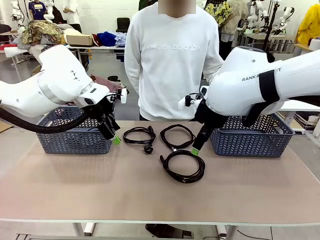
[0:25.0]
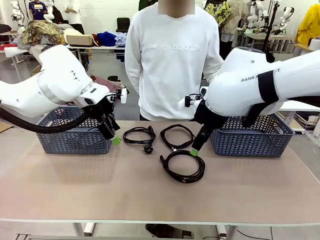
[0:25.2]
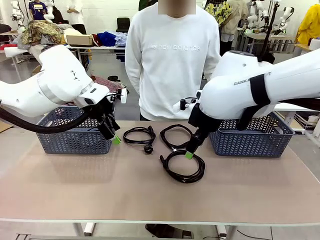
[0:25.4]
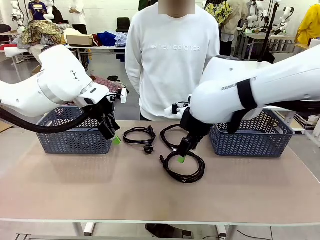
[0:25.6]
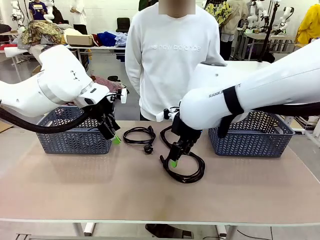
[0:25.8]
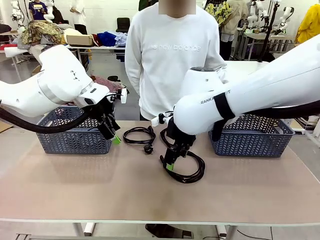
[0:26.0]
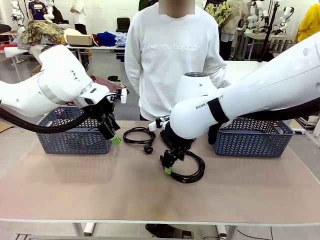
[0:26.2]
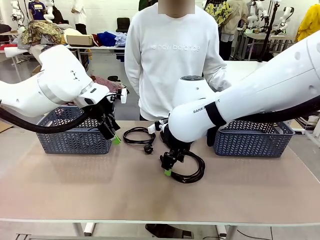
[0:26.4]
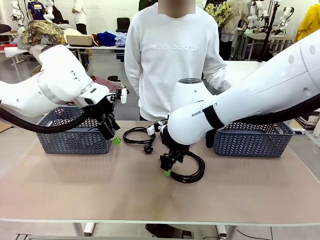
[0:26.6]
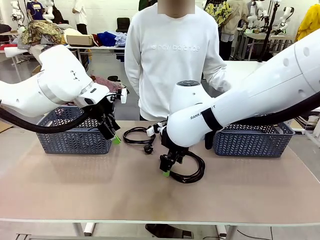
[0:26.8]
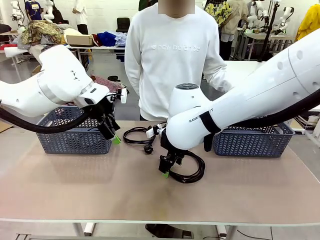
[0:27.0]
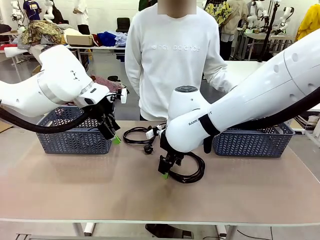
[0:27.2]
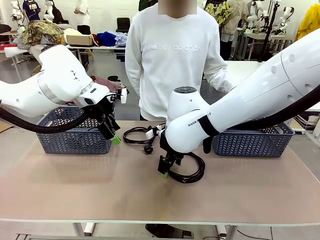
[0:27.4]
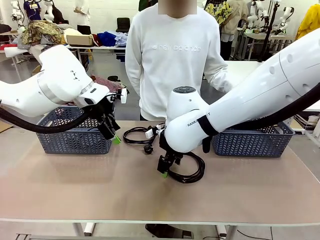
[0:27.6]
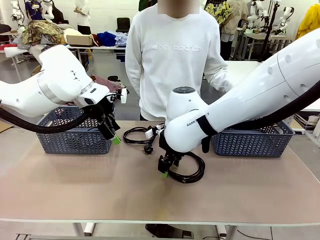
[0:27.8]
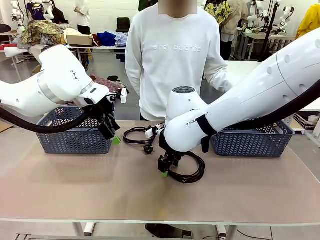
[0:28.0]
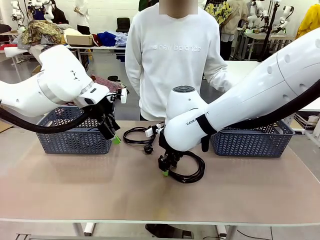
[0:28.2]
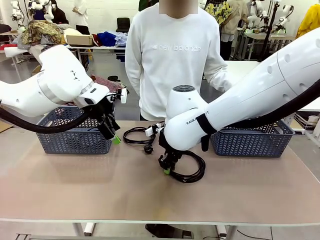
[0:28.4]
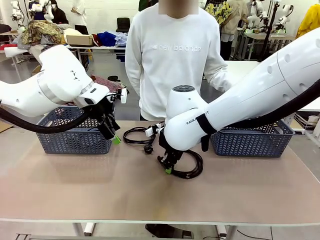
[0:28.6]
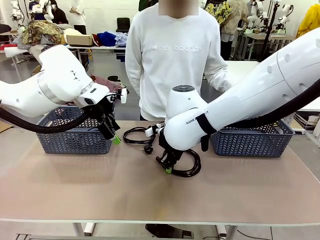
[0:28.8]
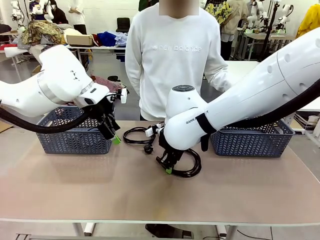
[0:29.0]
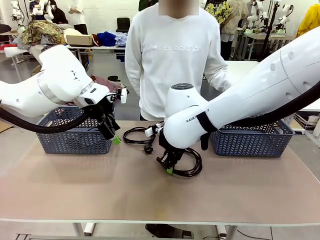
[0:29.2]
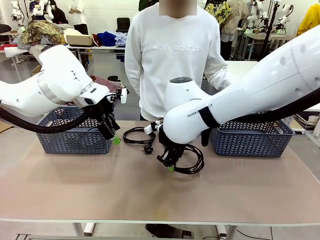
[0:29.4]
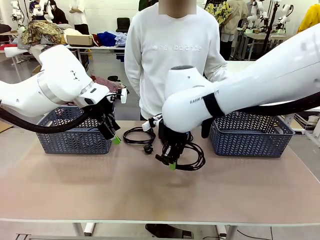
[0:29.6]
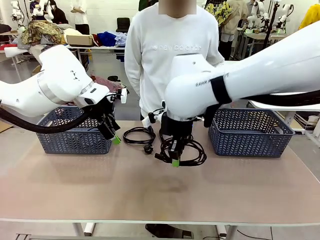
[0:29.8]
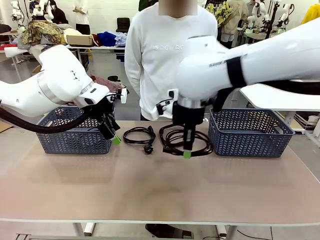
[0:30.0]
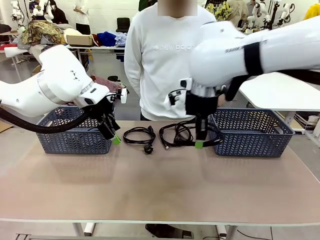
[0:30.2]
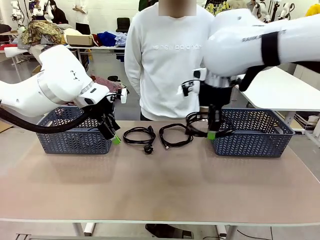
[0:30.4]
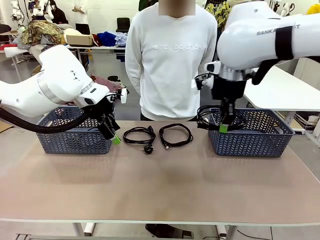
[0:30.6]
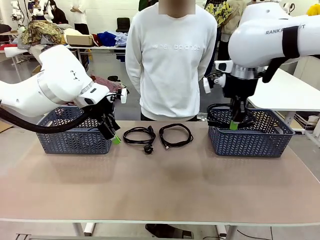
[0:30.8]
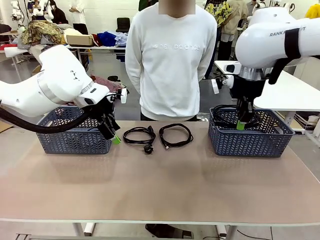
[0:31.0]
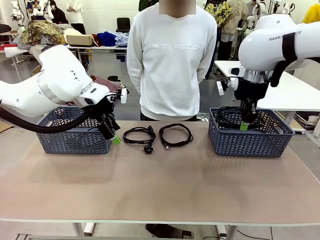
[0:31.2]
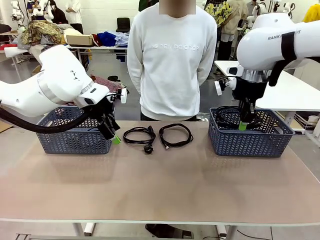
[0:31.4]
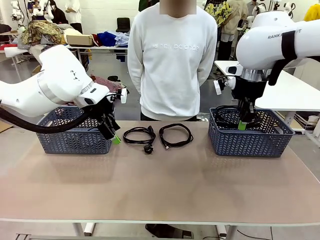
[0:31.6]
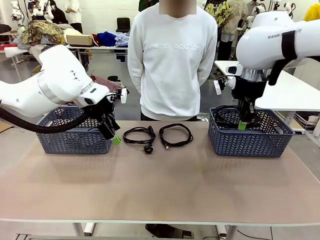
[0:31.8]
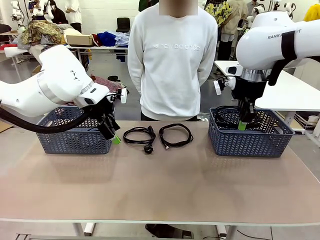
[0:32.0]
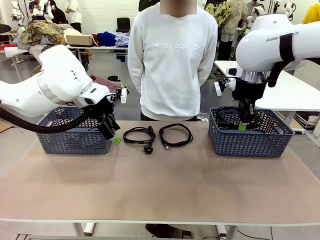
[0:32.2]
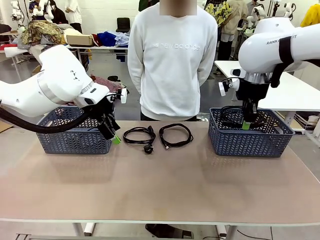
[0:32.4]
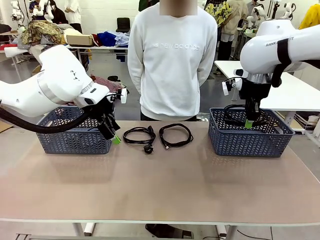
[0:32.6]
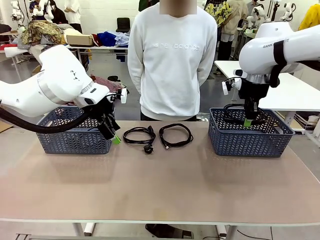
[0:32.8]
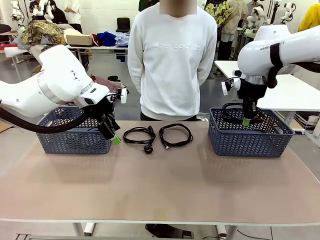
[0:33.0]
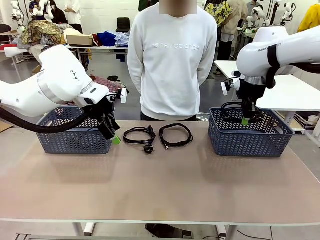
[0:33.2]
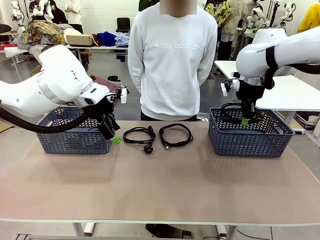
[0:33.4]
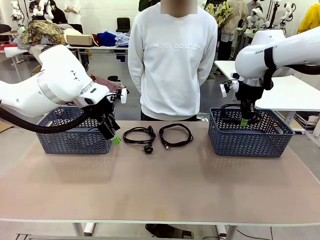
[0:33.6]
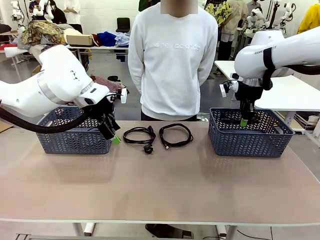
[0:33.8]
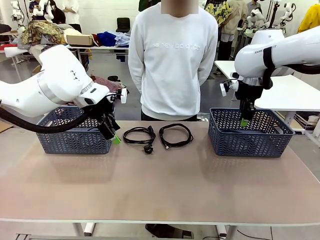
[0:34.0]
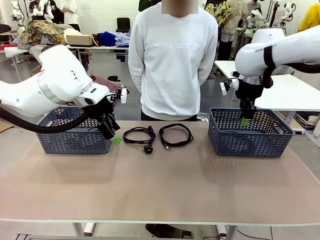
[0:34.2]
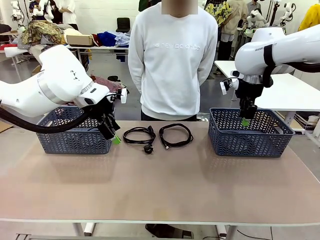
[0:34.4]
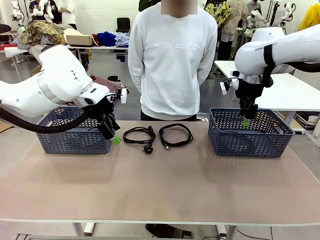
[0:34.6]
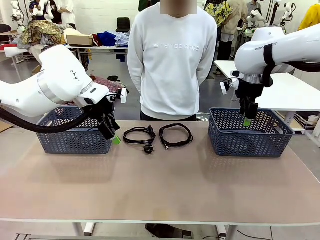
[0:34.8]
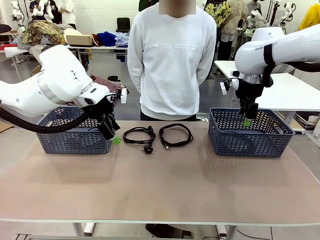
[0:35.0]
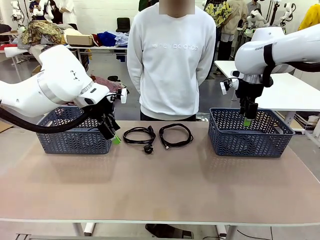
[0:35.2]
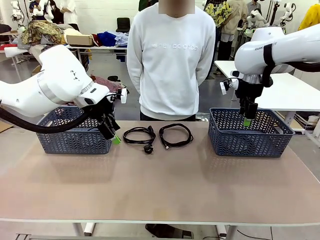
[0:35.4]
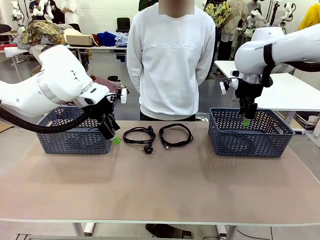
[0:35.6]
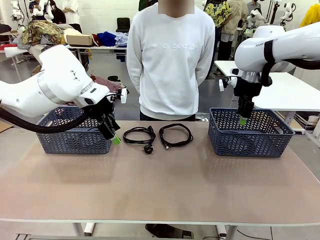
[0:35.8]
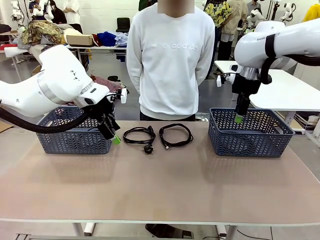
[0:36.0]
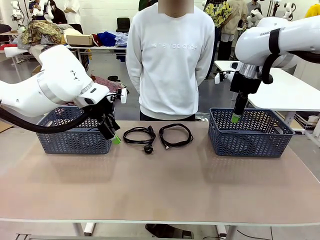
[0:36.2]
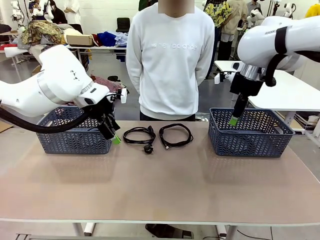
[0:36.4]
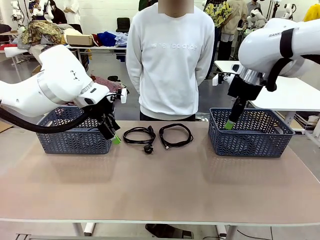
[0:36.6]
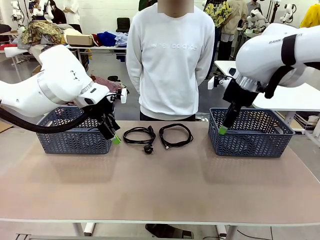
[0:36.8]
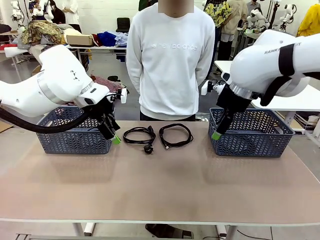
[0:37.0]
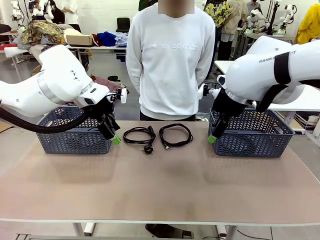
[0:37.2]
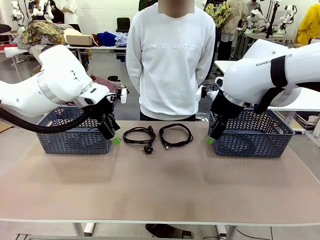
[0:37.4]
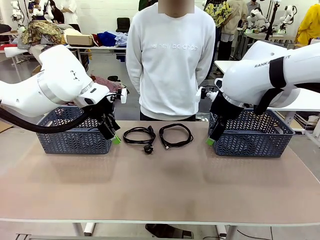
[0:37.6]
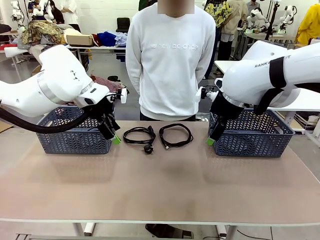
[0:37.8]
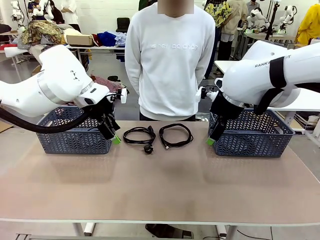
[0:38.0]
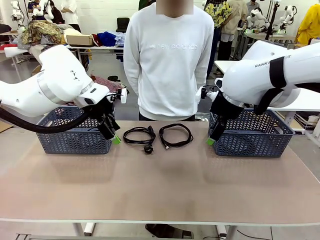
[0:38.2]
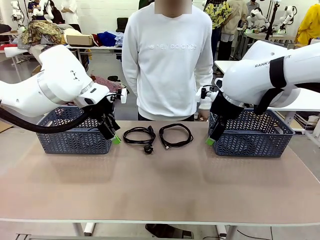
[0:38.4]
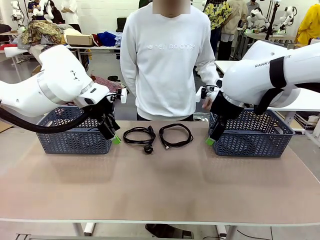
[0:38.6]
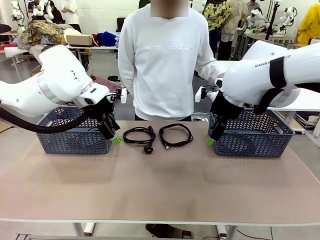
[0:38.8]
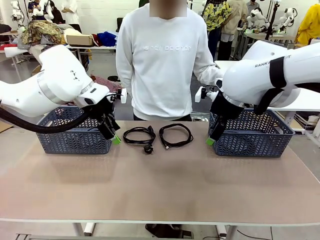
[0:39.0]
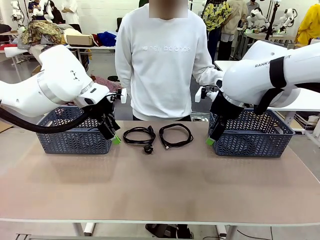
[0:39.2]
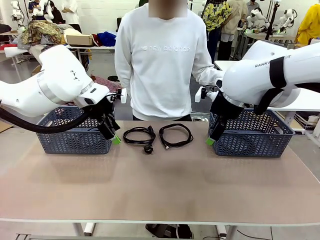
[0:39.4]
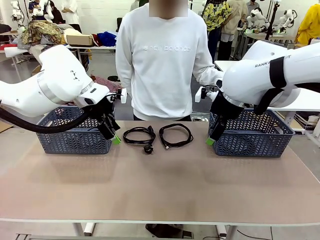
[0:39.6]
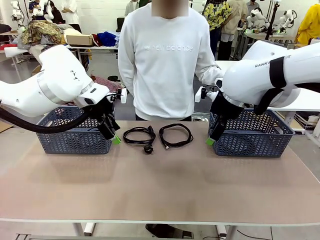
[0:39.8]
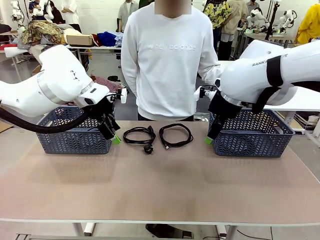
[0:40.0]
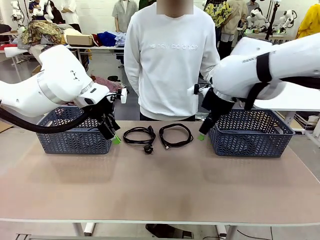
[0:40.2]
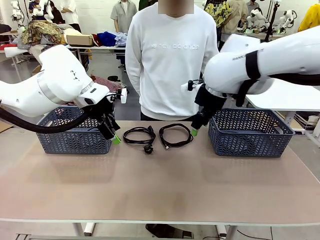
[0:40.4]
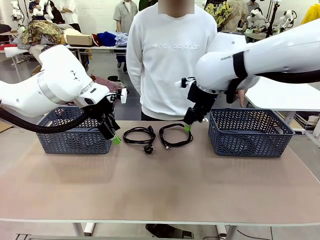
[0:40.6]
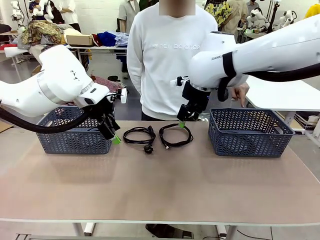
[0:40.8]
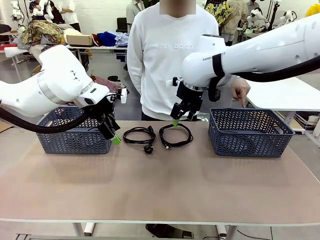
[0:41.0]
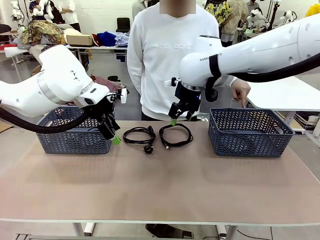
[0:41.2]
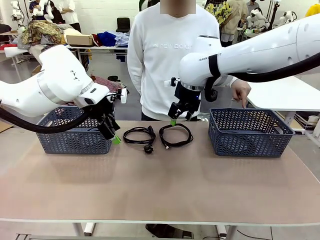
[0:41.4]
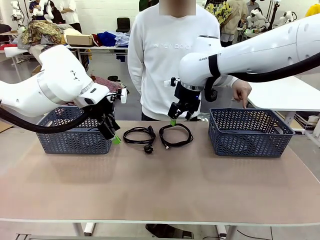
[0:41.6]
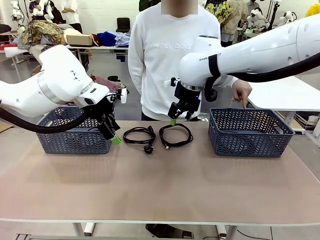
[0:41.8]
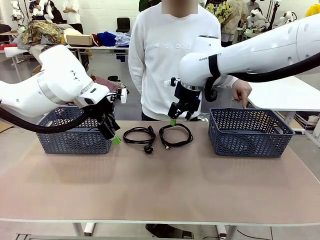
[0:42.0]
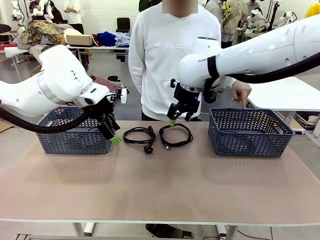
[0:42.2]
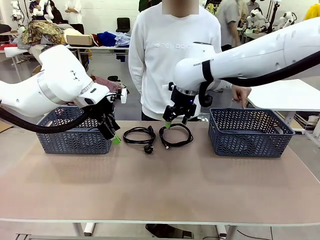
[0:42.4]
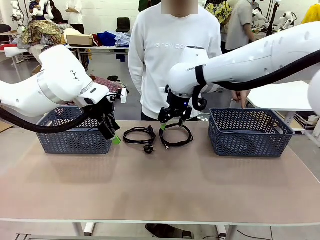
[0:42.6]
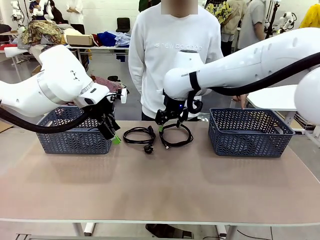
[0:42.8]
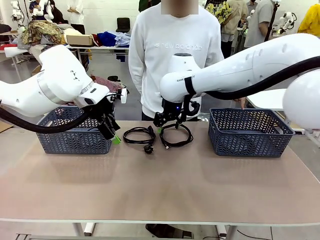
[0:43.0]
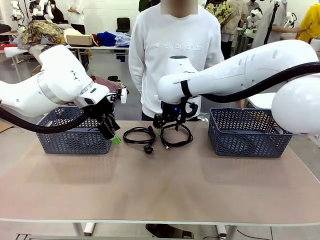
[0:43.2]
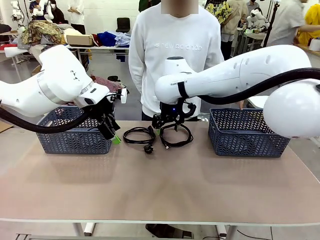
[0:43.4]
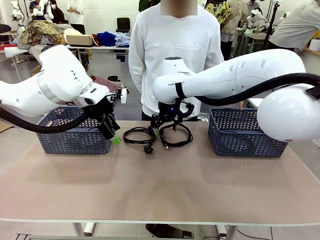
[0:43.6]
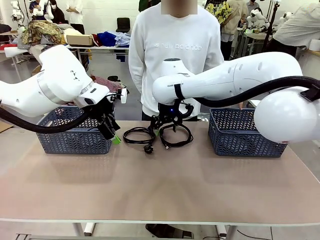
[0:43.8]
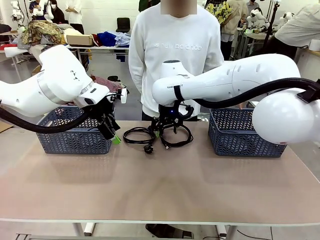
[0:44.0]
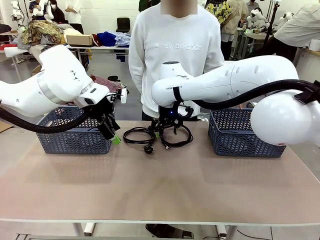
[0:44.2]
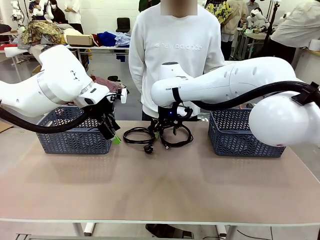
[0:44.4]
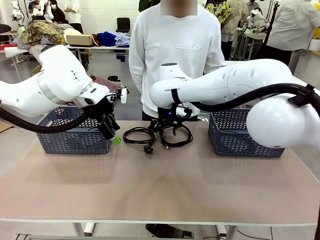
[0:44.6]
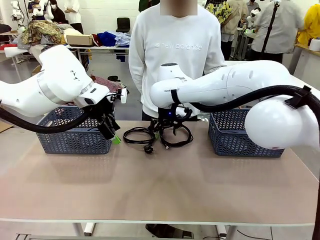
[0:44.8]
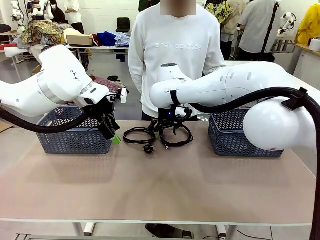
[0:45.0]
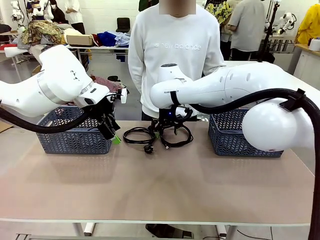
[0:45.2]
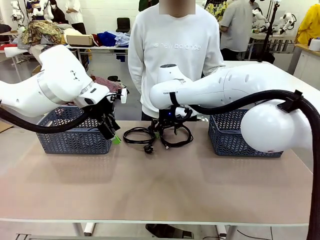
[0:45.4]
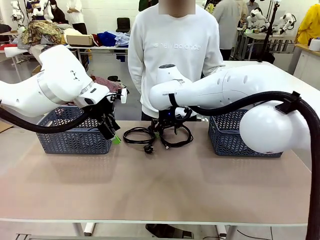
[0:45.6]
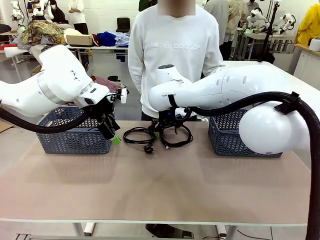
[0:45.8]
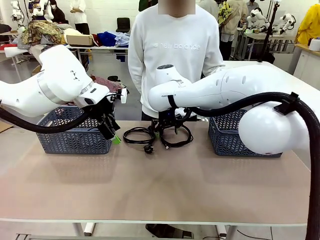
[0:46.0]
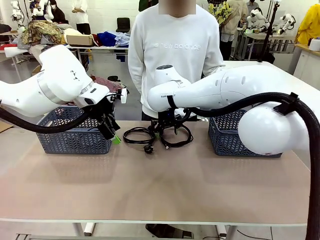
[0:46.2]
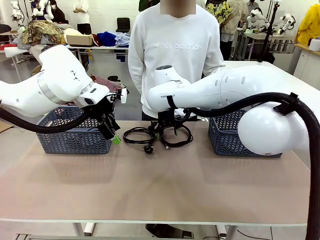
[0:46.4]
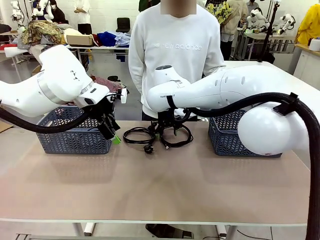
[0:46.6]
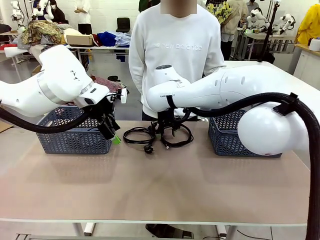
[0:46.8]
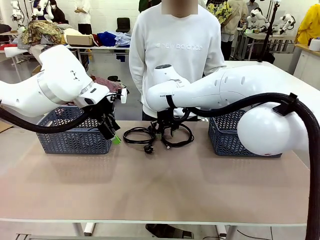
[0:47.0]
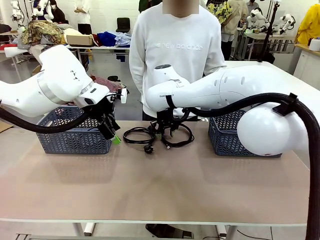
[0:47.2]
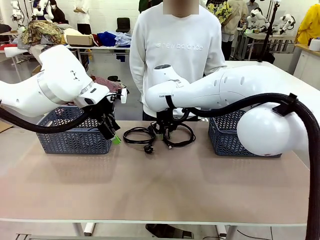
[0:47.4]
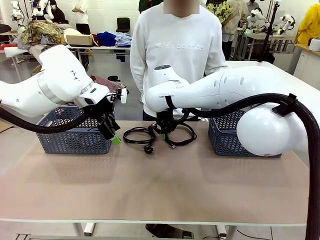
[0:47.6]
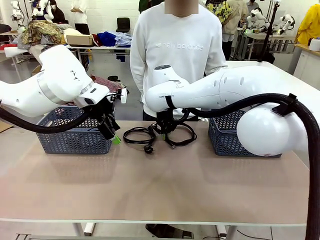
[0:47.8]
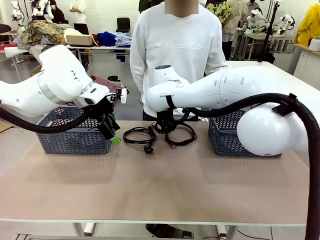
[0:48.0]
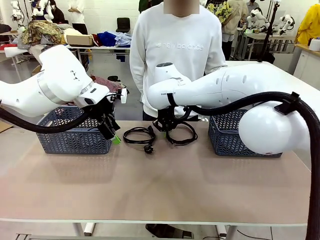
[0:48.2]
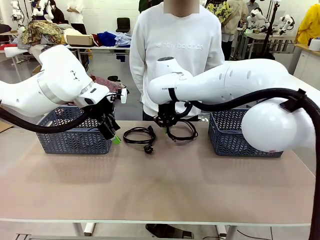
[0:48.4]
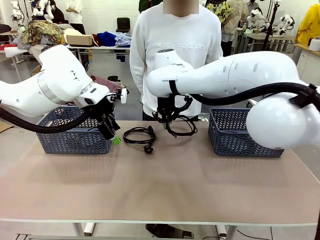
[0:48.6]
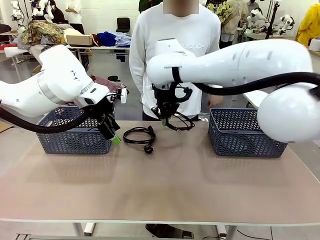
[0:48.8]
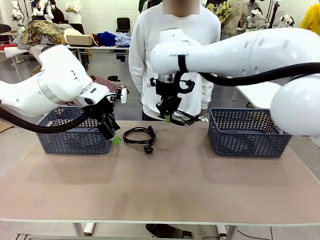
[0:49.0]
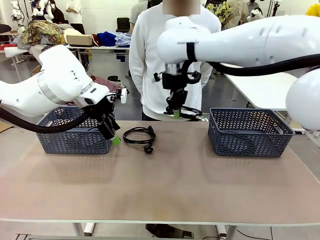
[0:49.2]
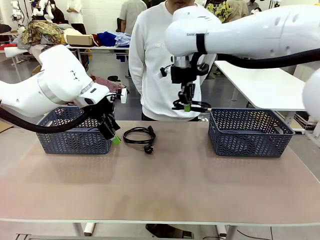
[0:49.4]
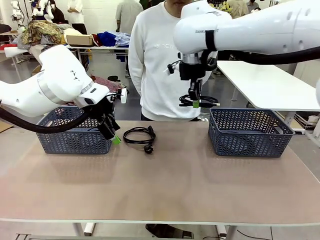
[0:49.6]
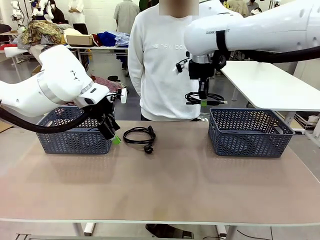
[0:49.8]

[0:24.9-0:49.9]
Task: Organize the cables according to human instructions.
Robot: Pick up a bundle of cables and place it in the basket indicated by the human.
